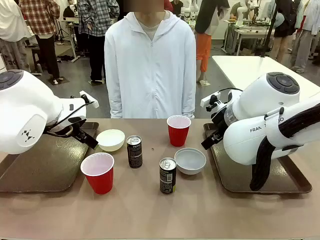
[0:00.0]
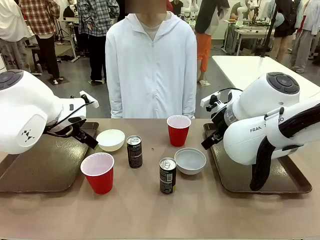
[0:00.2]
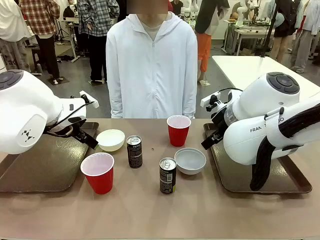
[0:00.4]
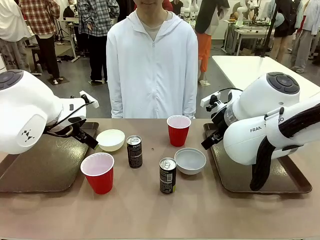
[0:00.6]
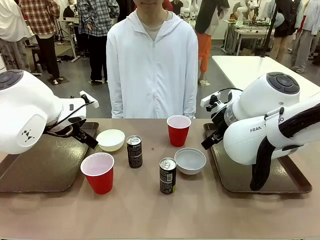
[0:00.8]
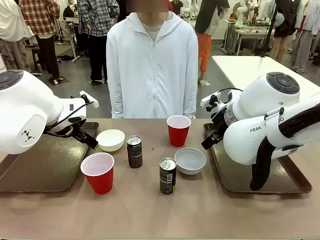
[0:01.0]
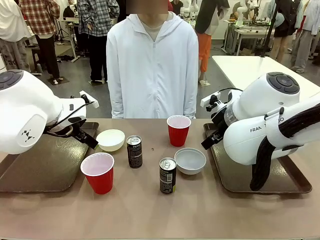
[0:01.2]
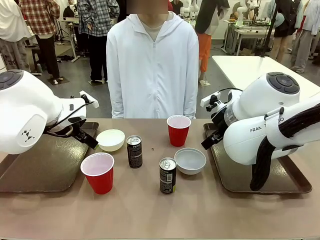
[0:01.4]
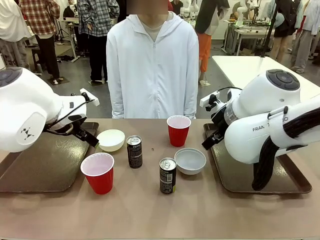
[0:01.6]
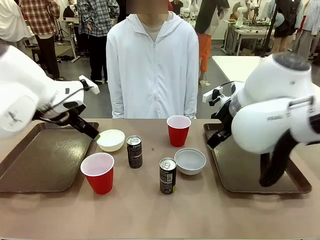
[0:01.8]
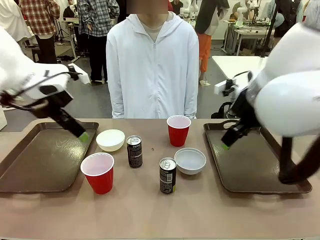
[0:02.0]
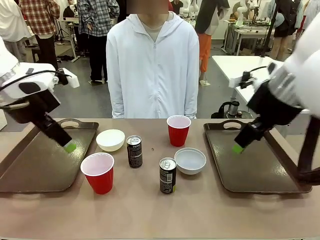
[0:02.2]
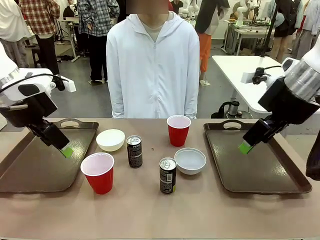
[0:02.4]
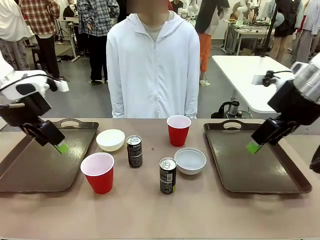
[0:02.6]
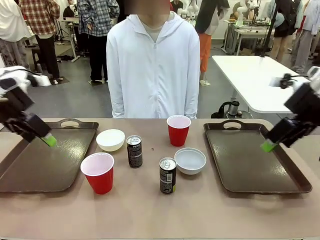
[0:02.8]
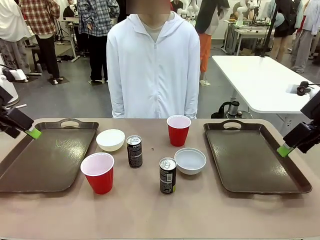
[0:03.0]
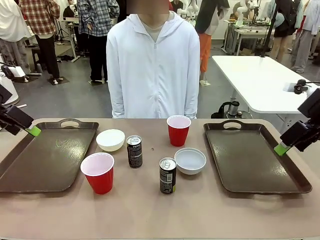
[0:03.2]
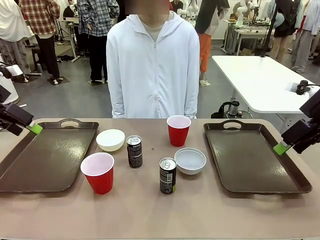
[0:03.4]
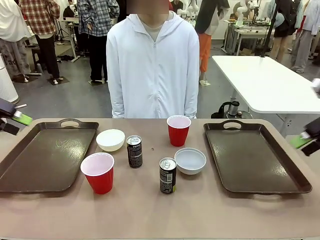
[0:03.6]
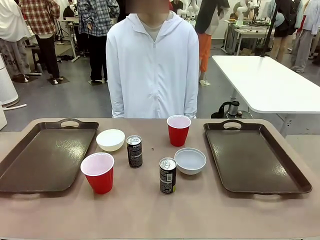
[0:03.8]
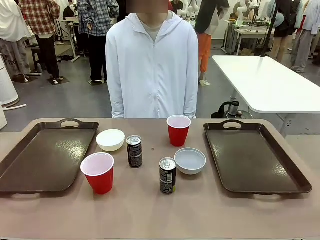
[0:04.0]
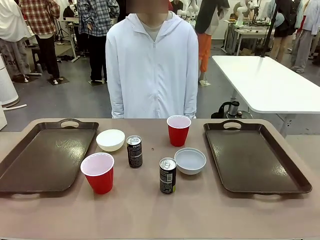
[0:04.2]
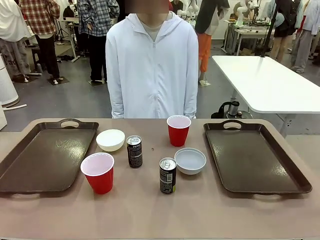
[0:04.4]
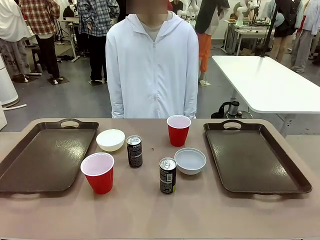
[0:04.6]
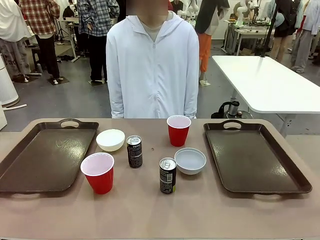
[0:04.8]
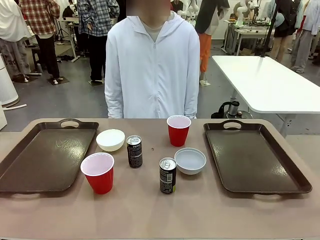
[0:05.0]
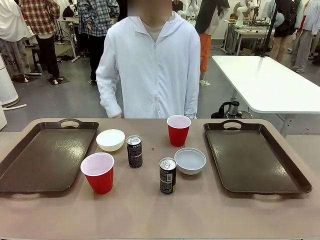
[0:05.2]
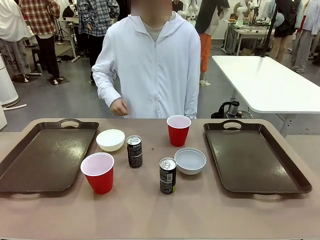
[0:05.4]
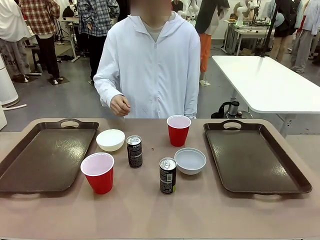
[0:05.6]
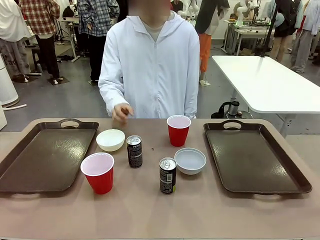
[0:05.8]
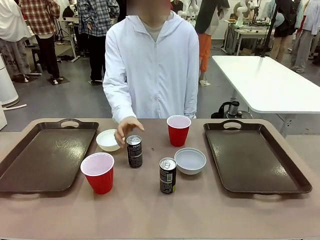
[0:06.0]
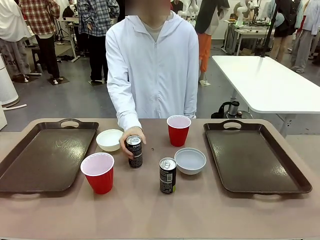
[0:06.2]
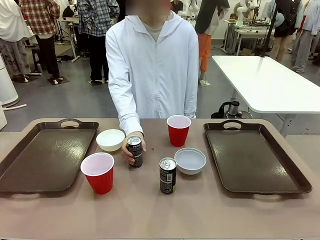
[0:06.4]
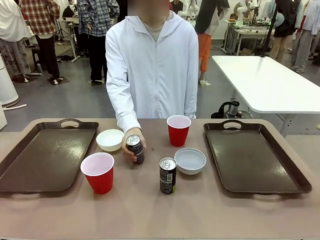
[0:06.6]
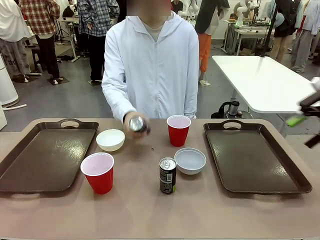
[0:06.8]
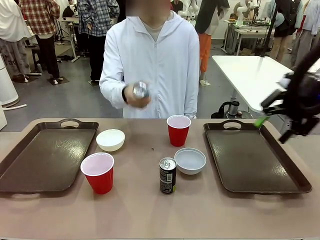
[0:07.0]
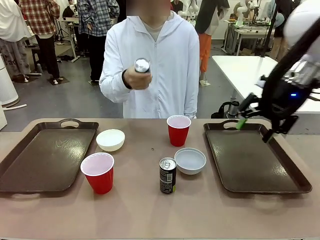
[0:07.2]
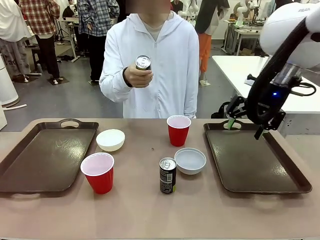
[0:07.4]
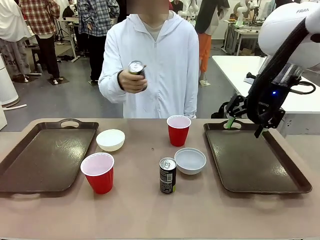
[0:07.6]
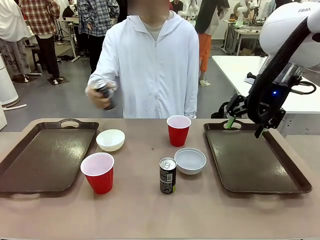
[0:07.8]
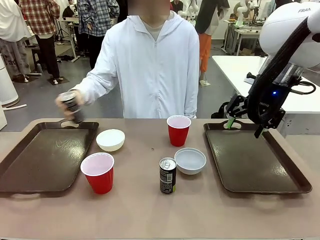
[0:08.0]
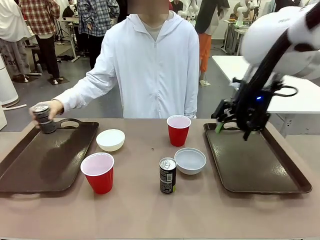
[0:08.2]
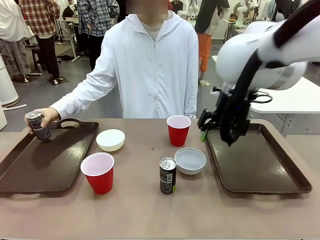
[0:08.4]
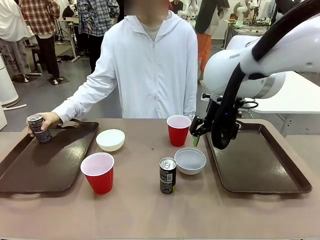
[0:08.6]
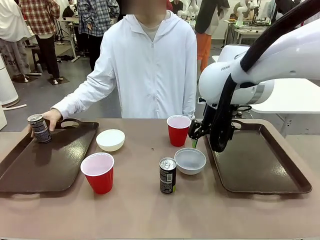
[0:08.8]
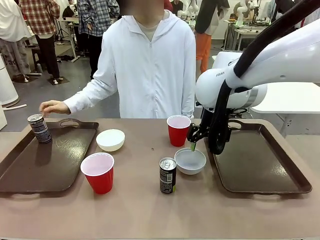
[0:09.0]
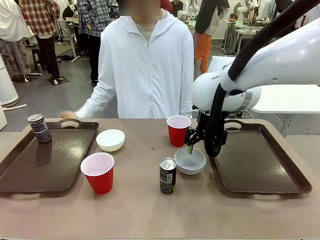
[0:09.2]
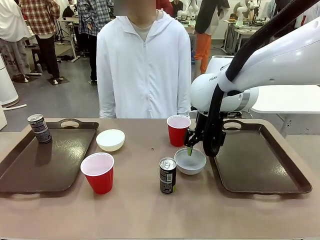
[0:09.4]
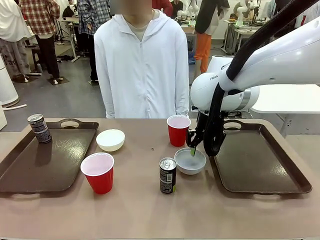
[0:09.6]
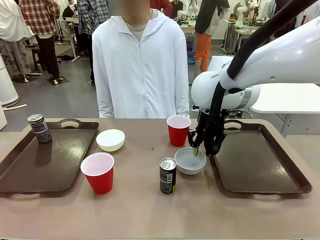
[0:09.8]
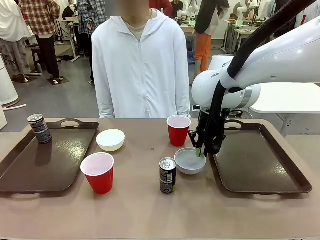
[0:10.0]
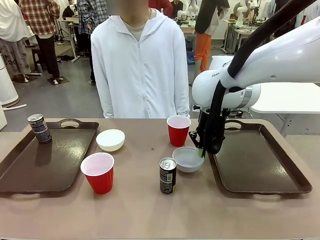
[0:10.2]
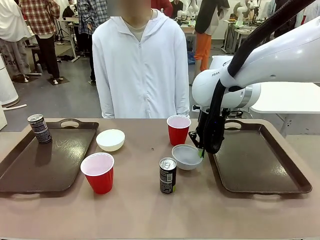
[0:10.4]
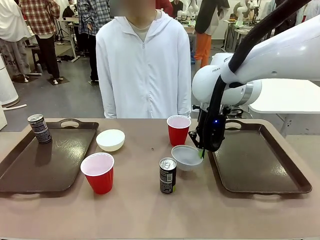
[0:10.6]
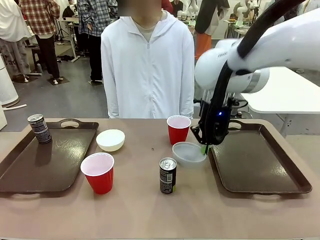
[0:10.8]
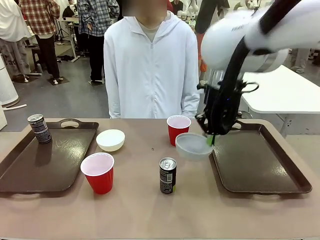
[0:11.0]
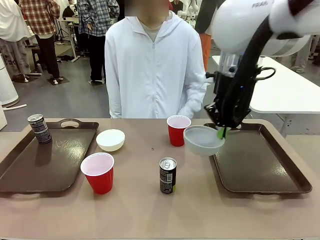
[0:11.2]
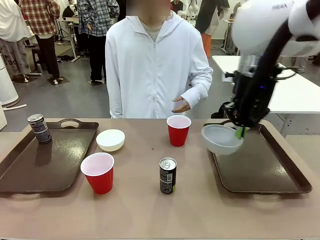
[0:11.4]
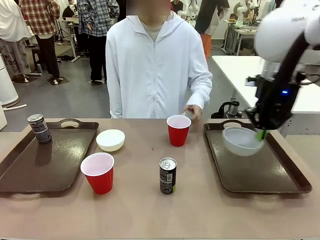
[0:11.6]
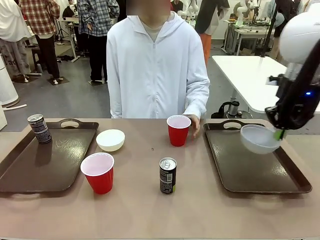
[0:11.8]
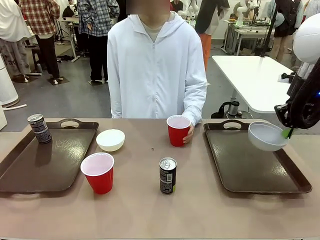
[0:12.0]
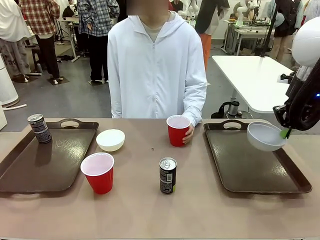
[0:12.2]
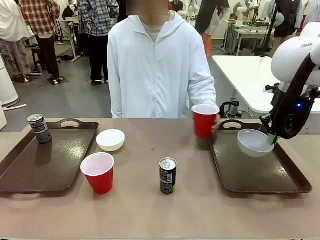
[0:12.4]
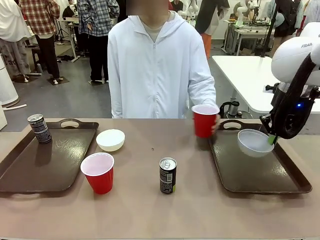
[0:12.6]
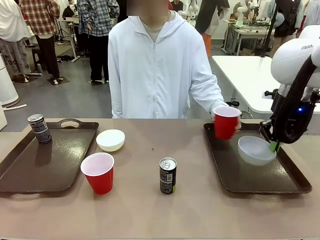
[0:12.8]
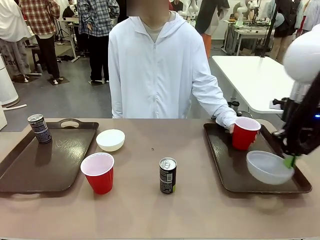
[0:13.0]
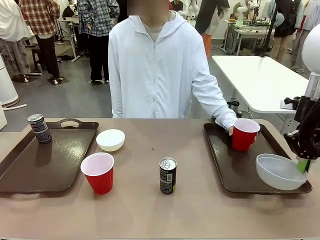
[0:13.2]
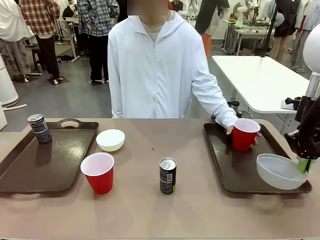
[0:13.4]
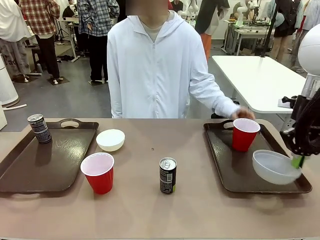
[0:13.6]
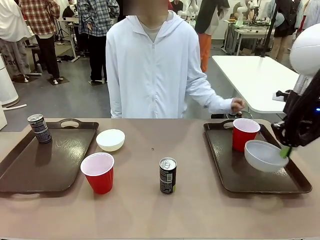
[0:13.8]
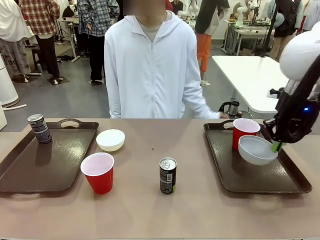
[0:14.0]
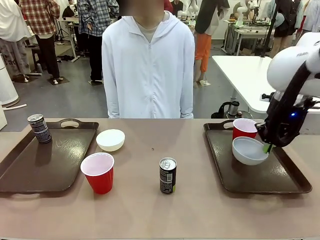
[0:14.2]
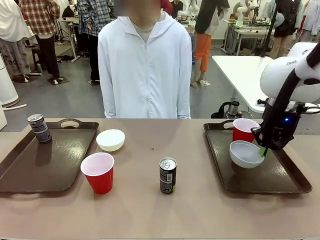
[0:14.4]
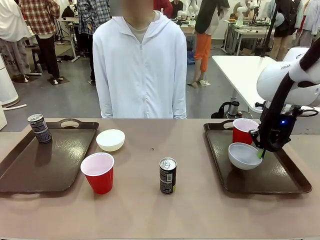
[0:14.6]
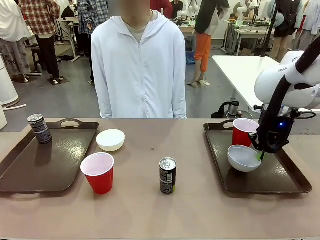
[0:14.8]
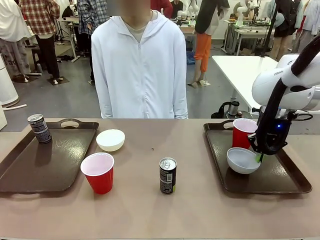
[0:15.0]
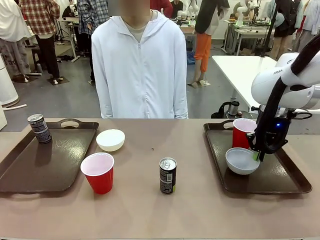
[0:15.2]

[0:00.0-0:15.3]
Task: Prepare tableware on both trays.
Robot: Pick up a Picnic Bowl from the table and place it on a Handle tray.
Person: Pick up a can or cup and place it on the tray.
